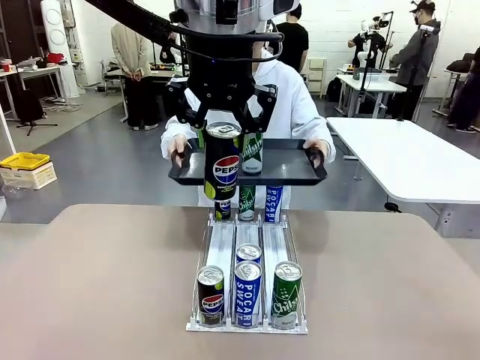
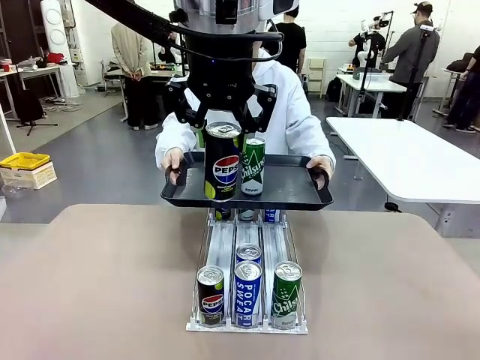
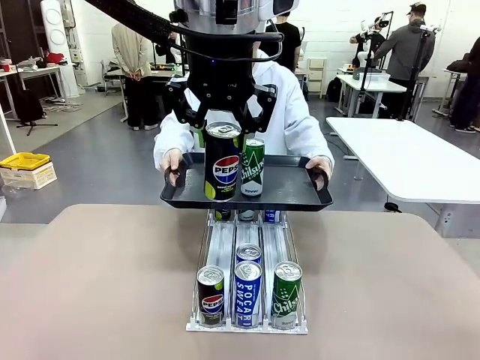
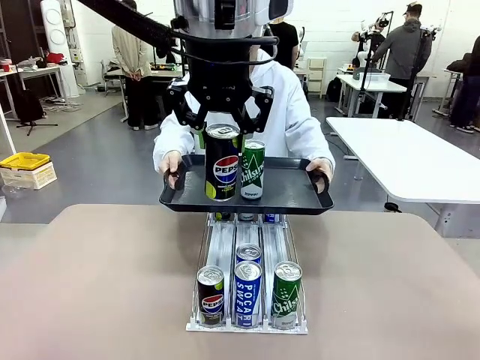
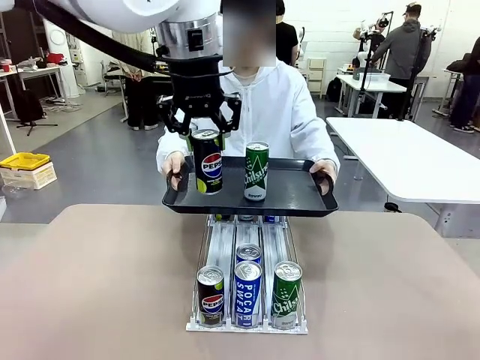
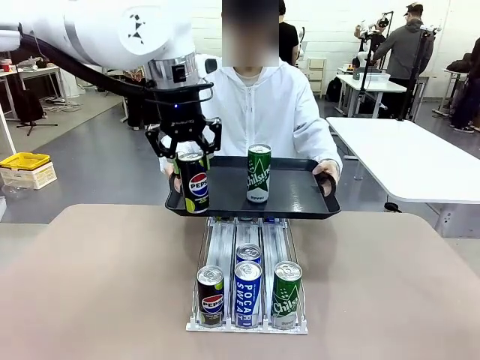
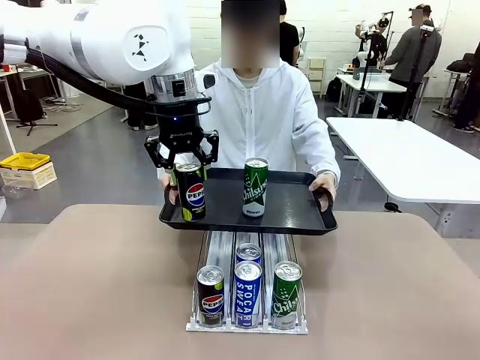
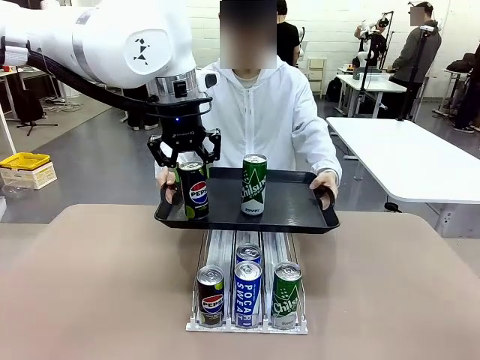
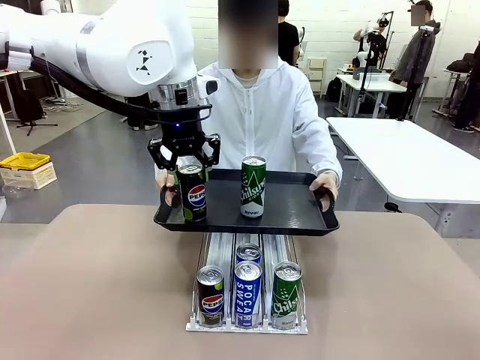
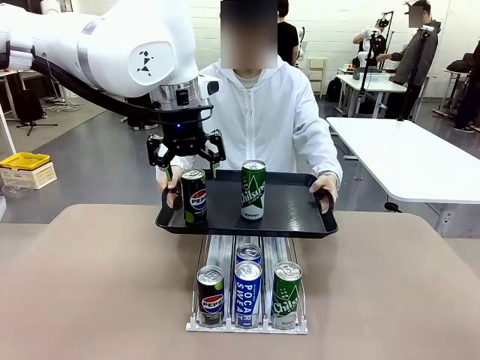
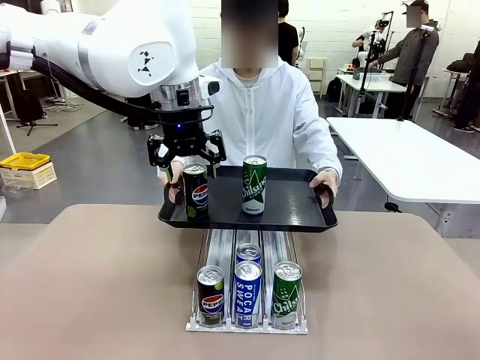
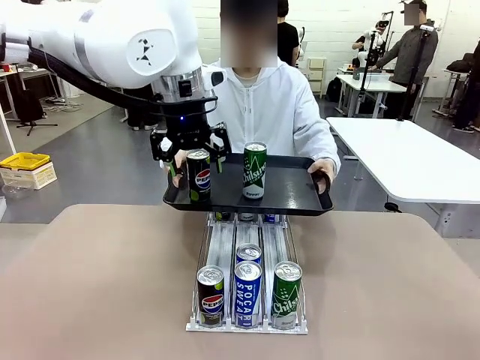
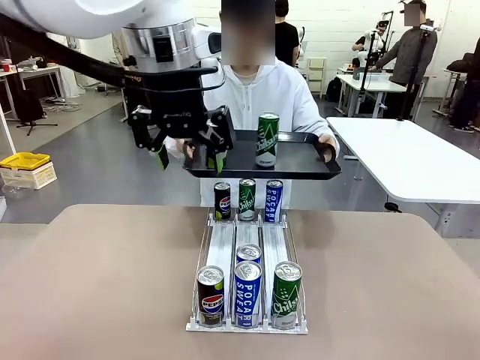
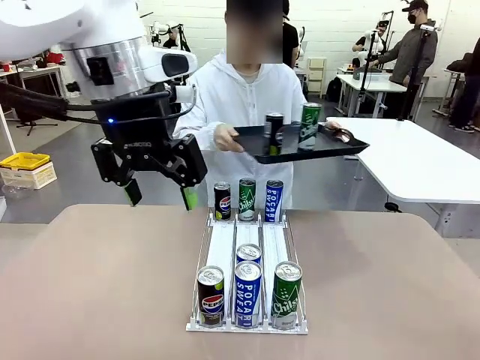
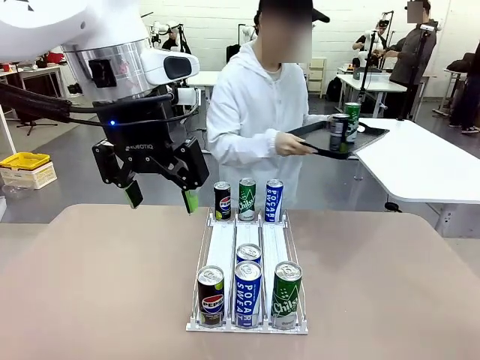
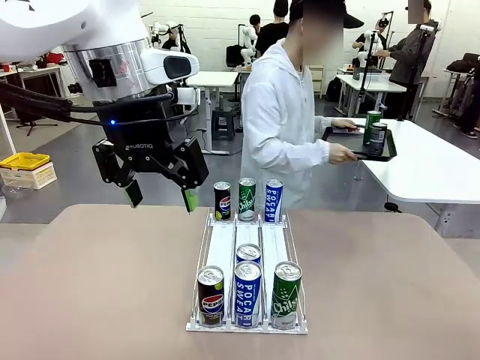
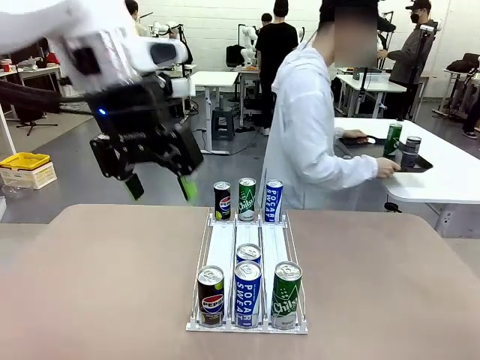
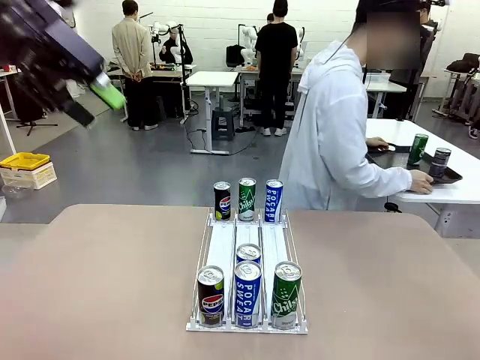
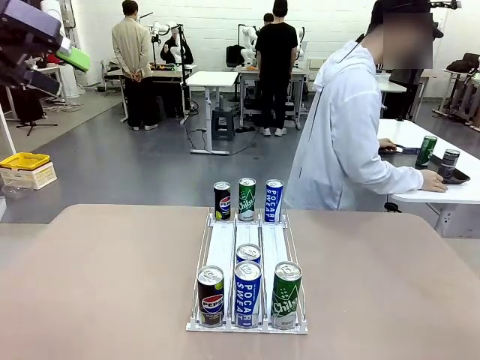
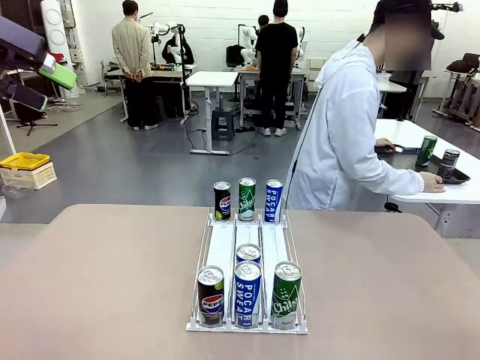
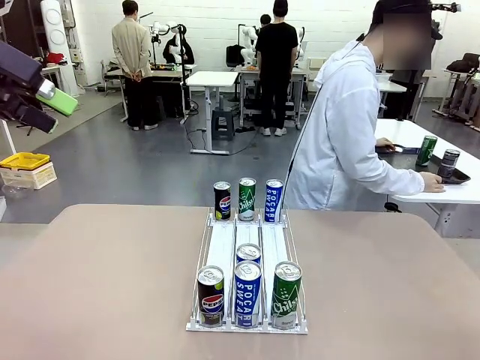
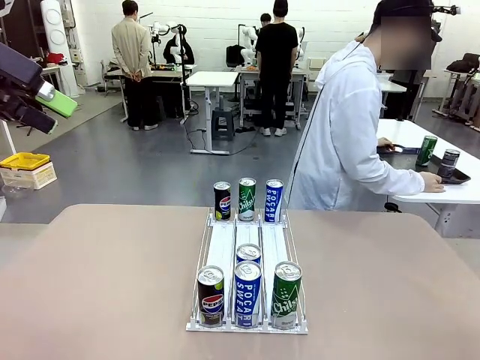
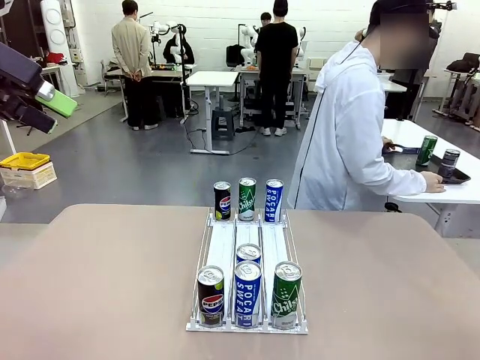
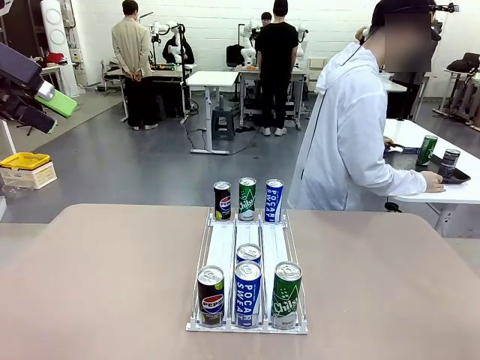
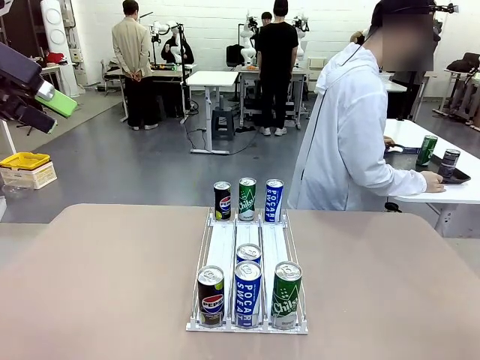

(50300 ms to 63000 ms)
Task: Retrieve and hand over the desired beverage to the person.
Robot: Place the picked can on the Handle tray extended by the person.
Person: Pull the tray back and place it at the center of the human table.

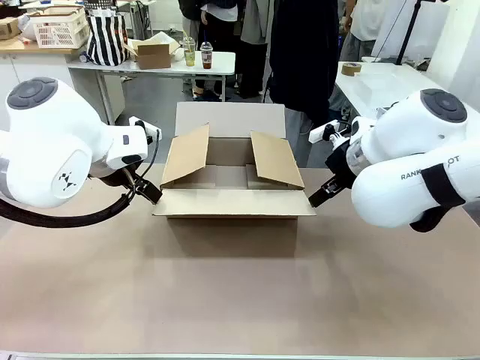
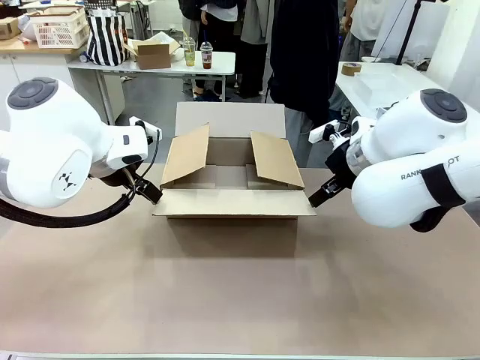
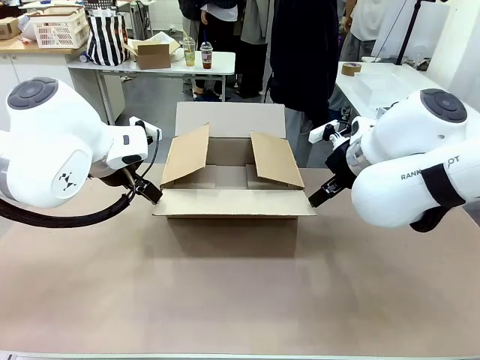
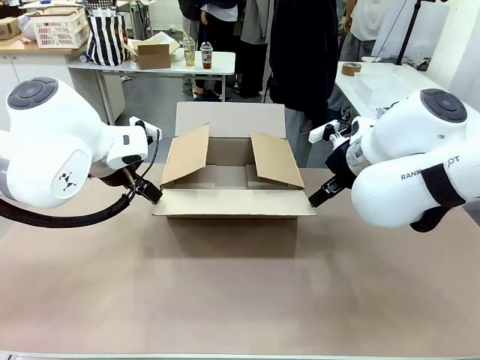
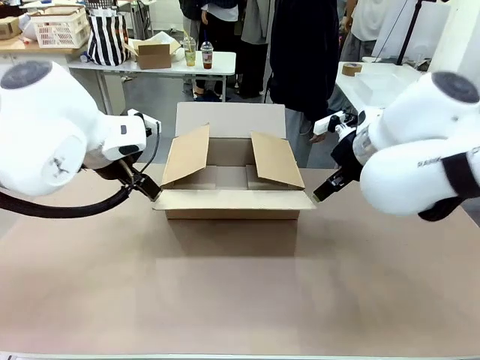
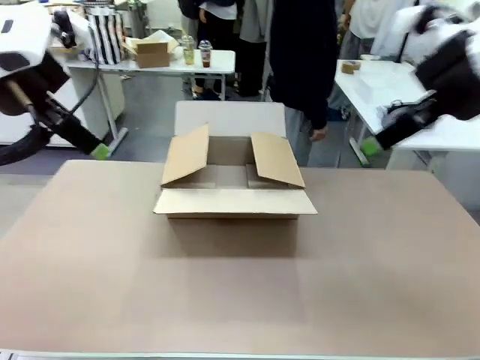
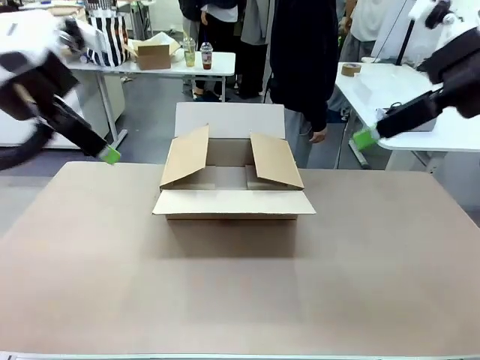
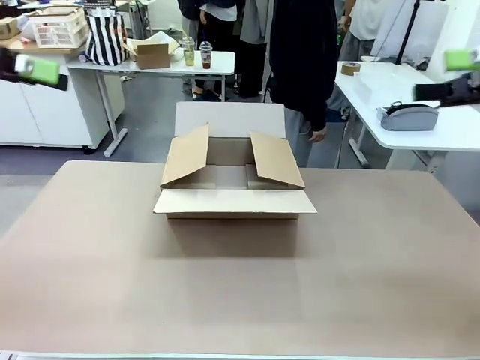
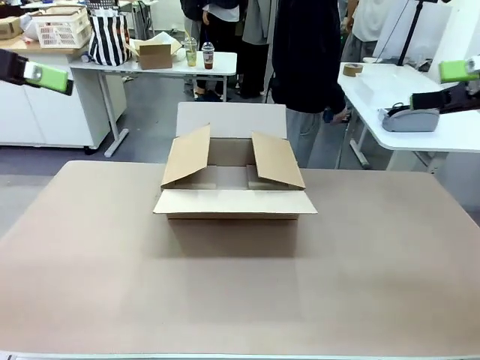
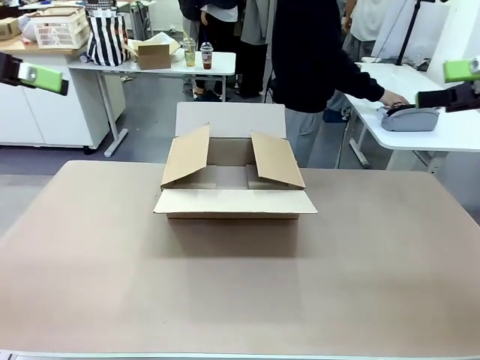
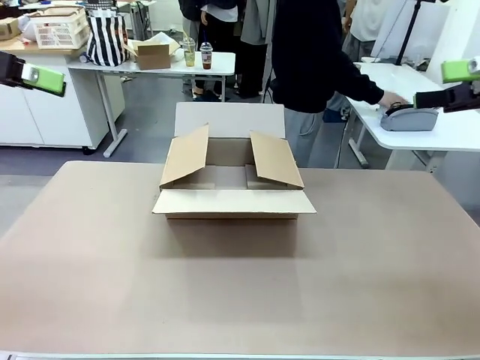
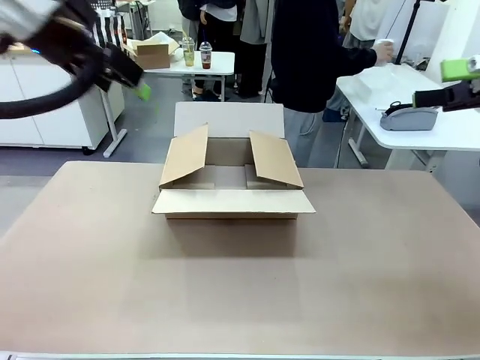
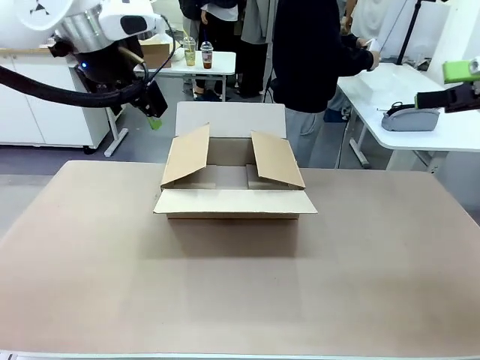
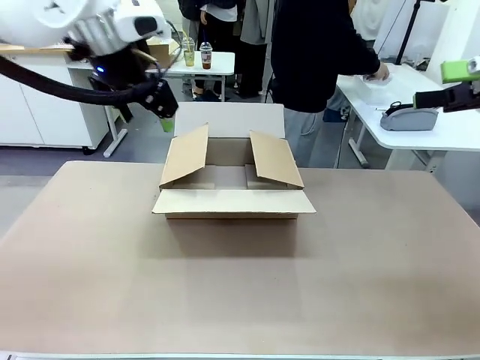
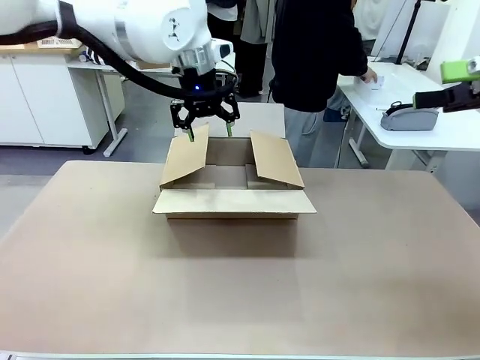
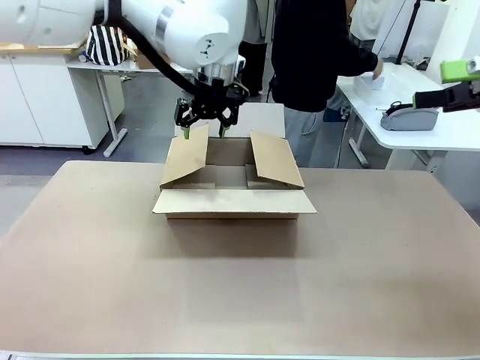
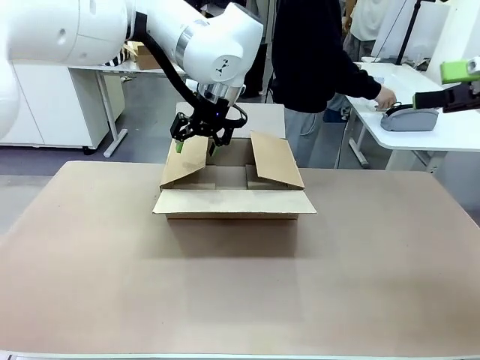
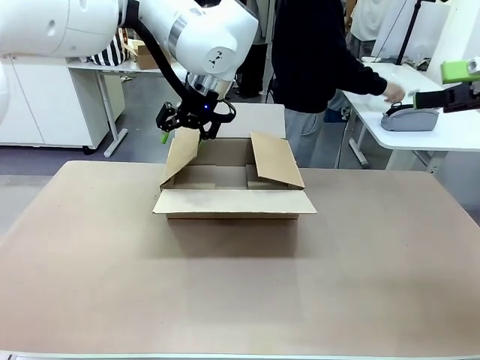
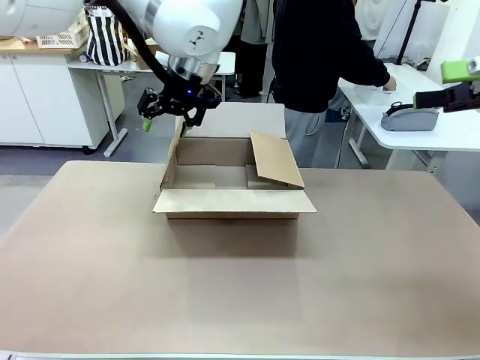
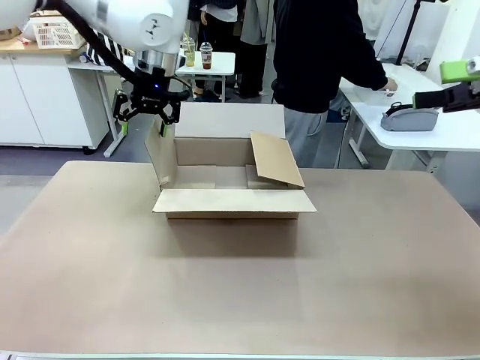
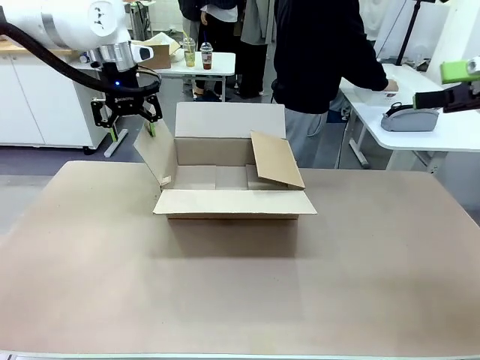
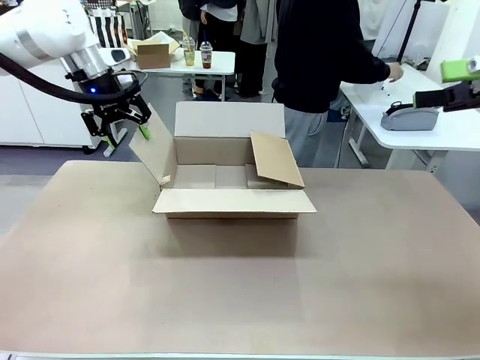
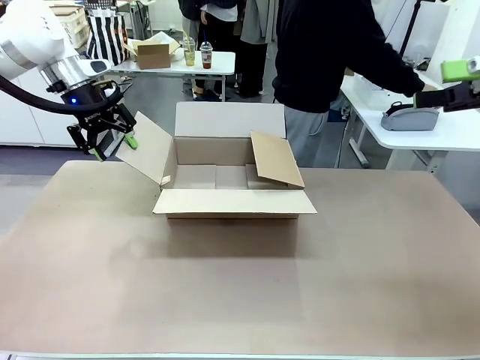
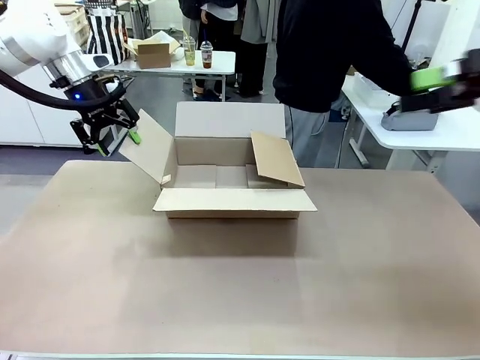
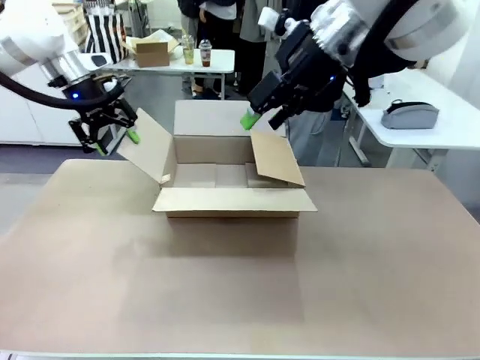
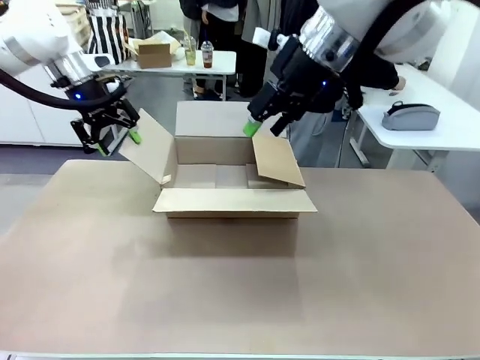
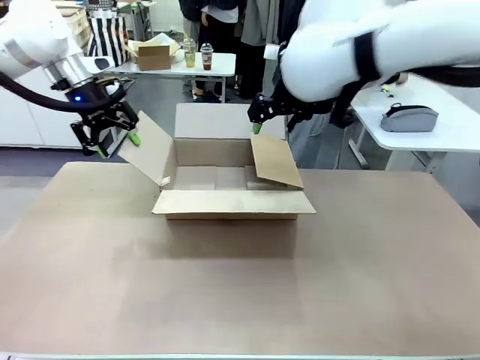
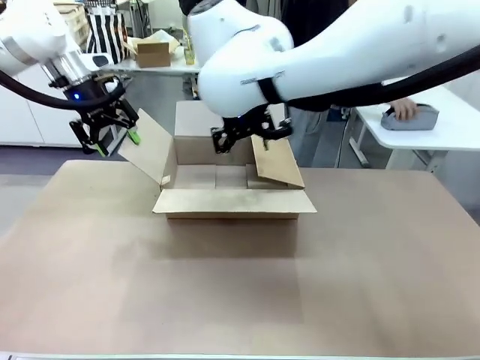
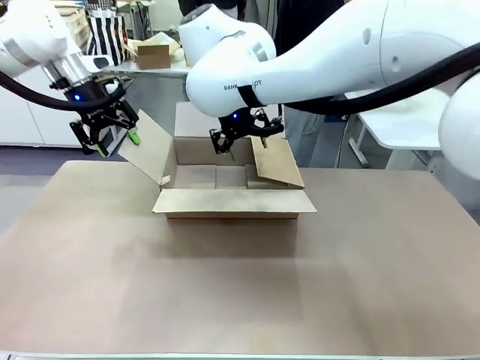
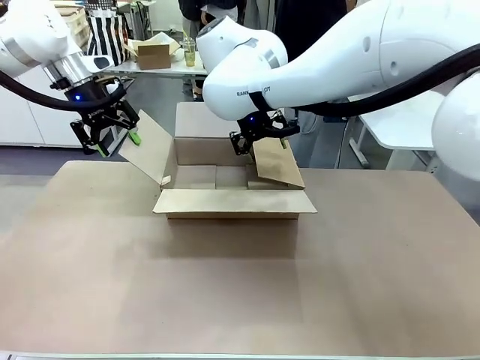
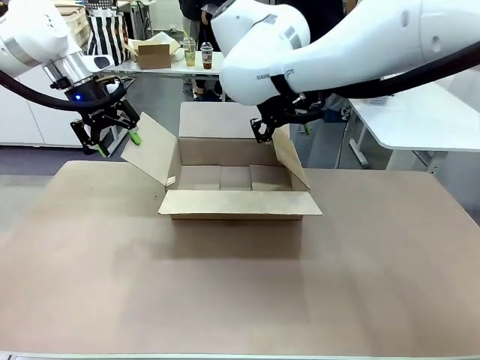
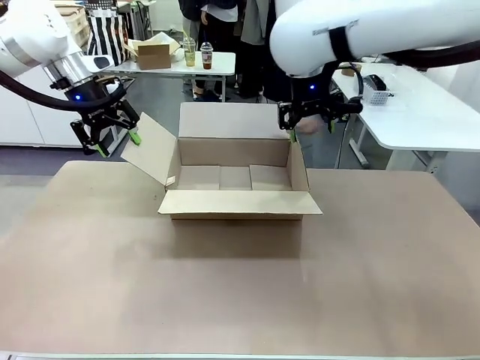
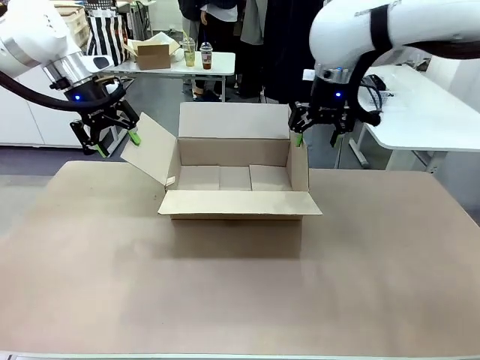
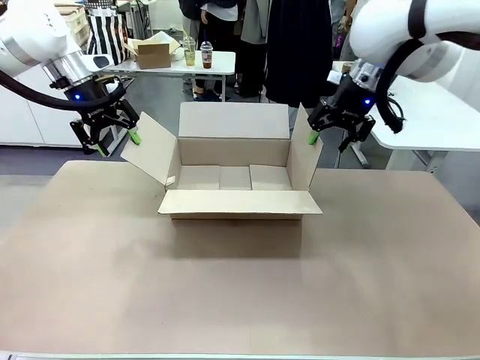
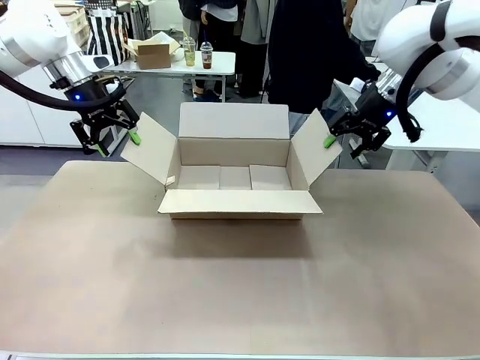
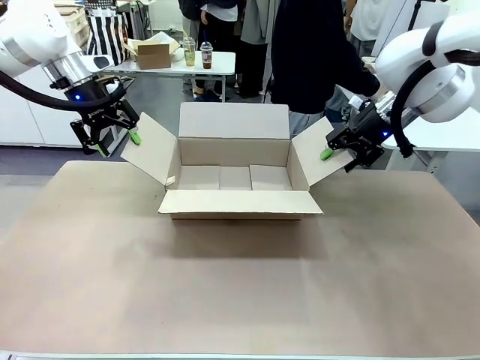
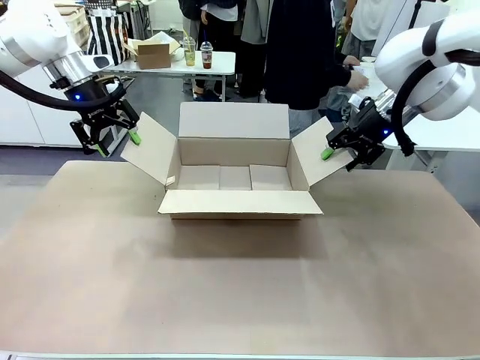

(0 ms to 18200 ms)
Task: Pack the gift set into the box.
Robot: Place both hands on the side flaps of the Package Box and spread them outward.
Person: The human places all items except the paper tape into the organizing basket.
